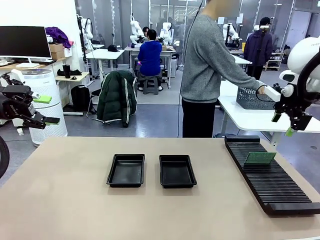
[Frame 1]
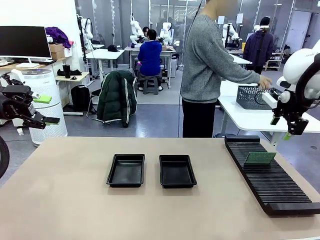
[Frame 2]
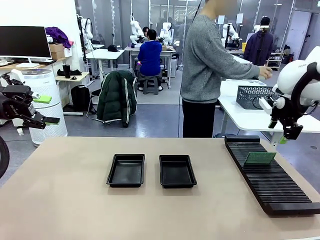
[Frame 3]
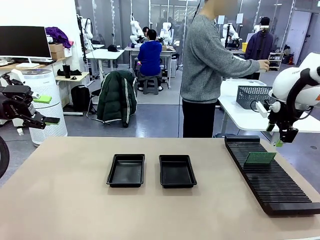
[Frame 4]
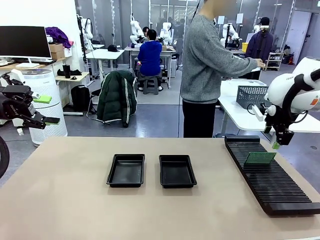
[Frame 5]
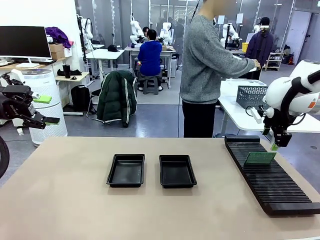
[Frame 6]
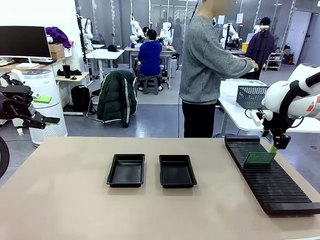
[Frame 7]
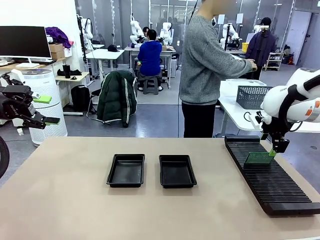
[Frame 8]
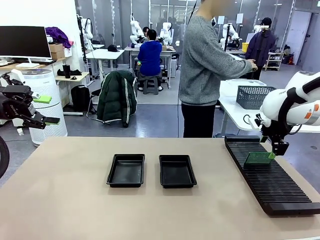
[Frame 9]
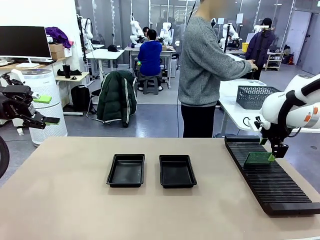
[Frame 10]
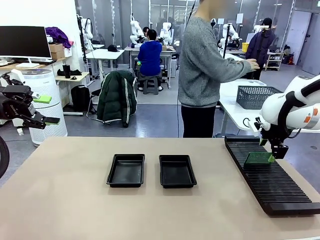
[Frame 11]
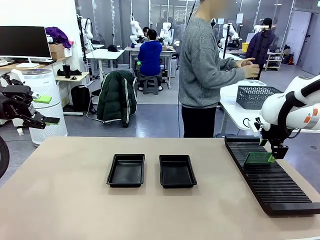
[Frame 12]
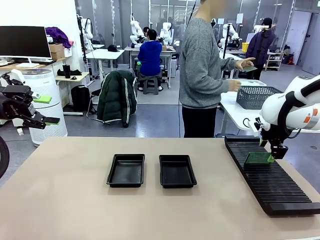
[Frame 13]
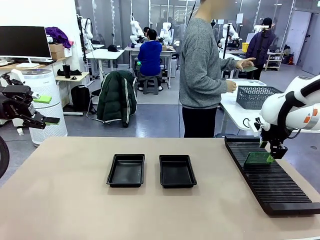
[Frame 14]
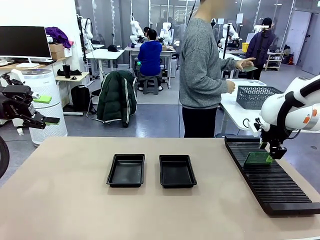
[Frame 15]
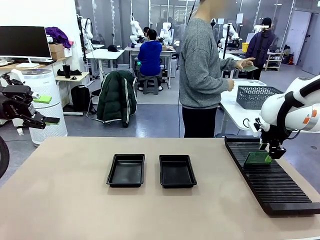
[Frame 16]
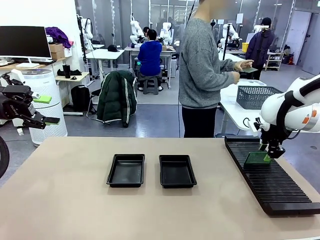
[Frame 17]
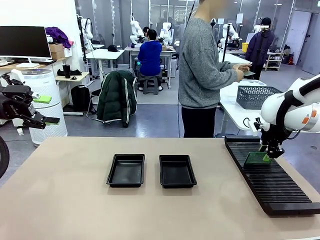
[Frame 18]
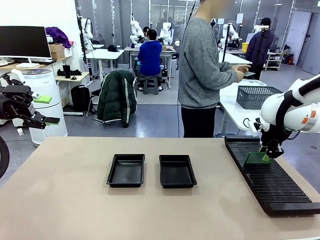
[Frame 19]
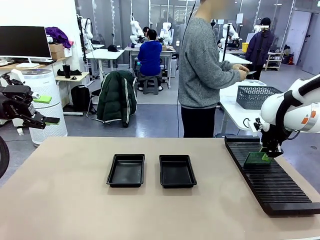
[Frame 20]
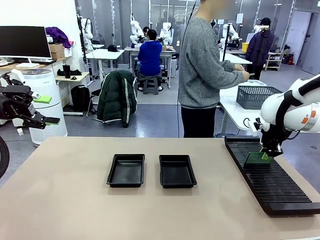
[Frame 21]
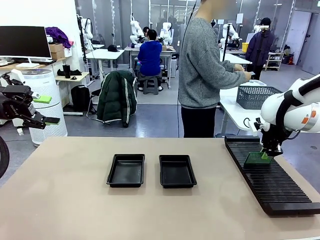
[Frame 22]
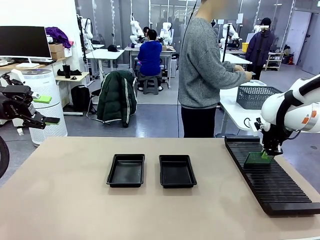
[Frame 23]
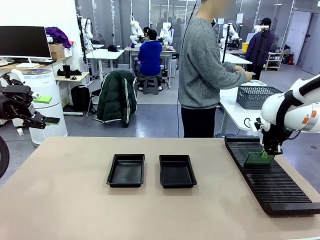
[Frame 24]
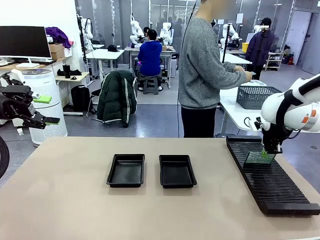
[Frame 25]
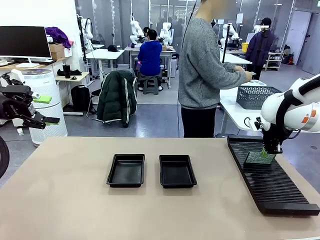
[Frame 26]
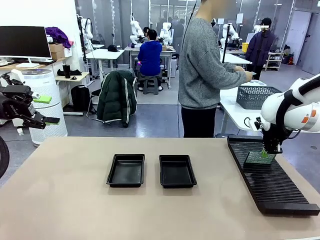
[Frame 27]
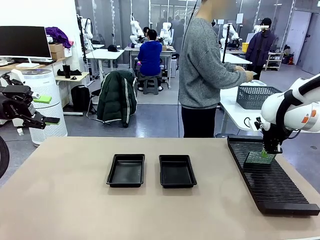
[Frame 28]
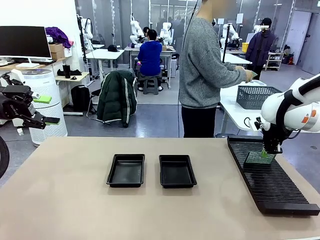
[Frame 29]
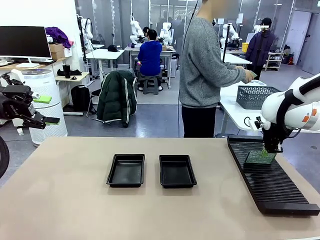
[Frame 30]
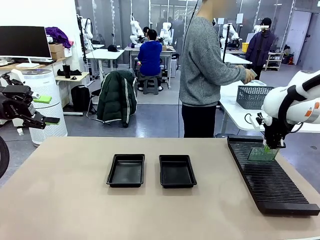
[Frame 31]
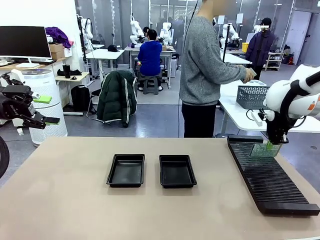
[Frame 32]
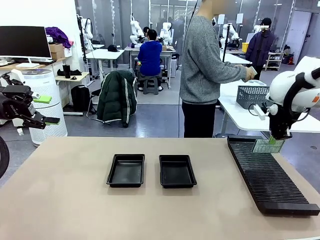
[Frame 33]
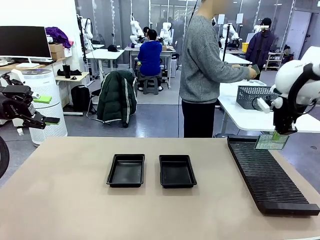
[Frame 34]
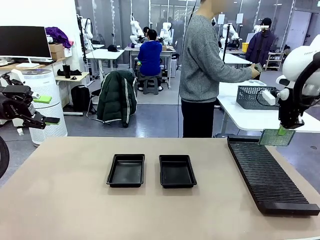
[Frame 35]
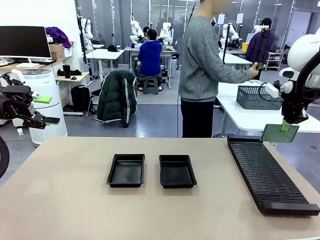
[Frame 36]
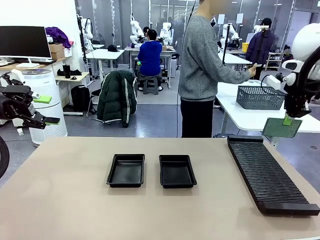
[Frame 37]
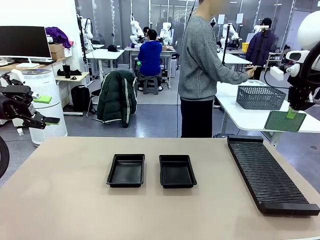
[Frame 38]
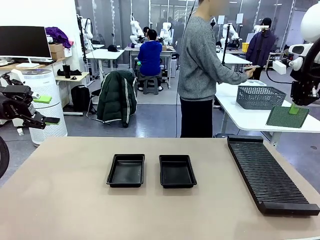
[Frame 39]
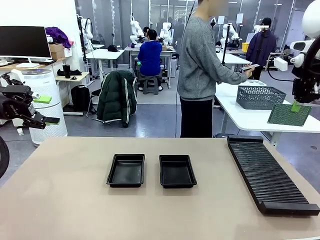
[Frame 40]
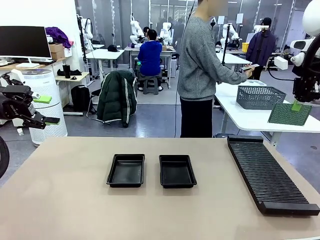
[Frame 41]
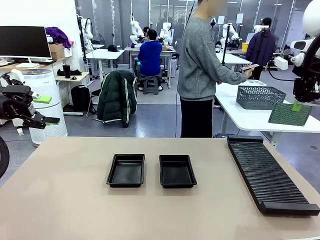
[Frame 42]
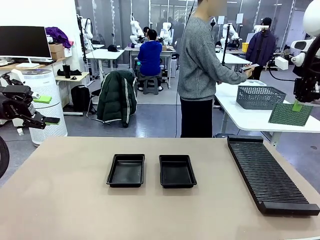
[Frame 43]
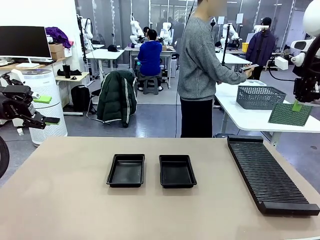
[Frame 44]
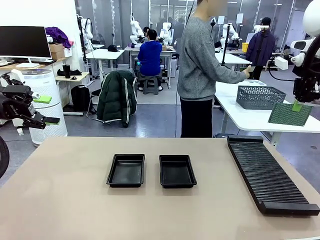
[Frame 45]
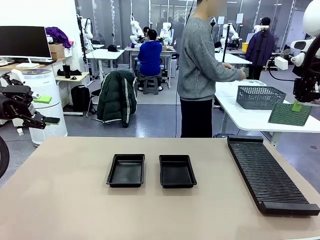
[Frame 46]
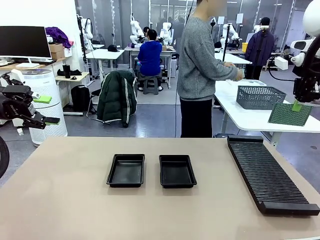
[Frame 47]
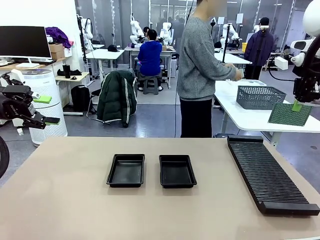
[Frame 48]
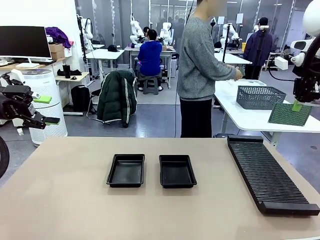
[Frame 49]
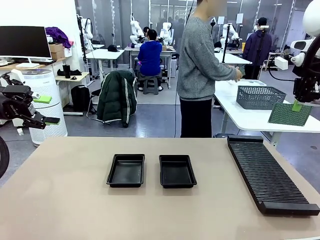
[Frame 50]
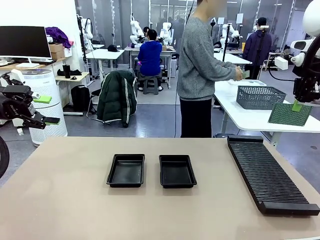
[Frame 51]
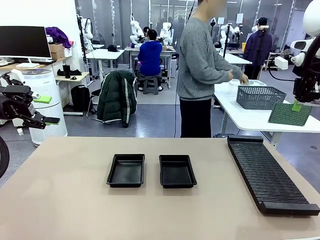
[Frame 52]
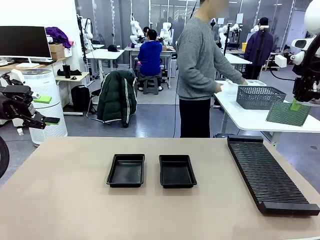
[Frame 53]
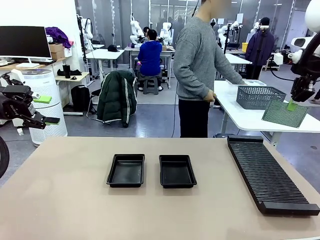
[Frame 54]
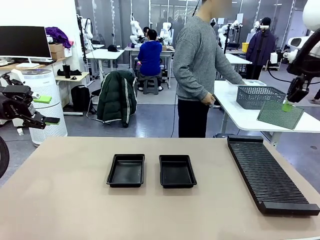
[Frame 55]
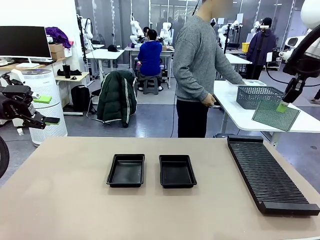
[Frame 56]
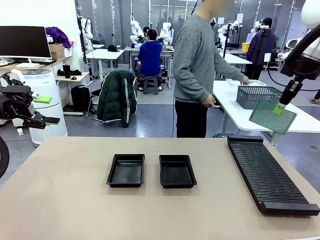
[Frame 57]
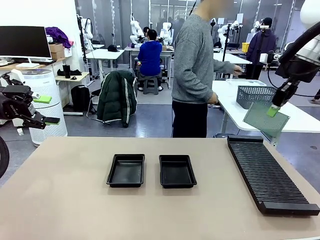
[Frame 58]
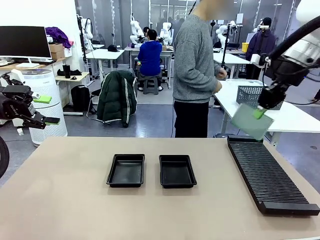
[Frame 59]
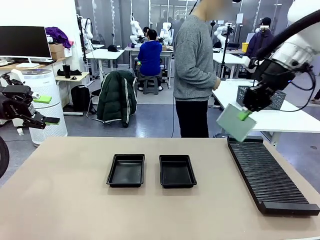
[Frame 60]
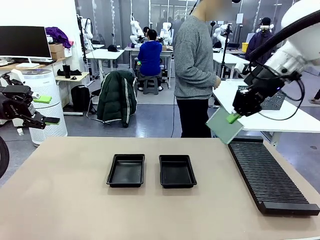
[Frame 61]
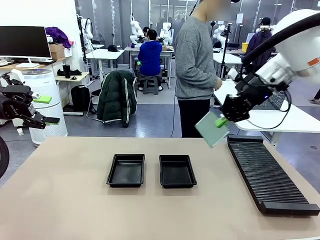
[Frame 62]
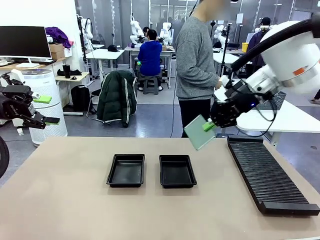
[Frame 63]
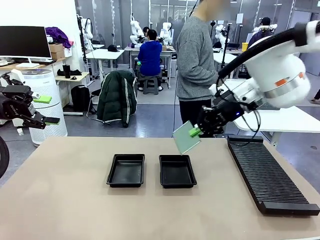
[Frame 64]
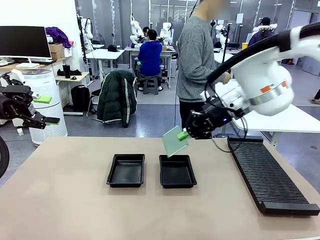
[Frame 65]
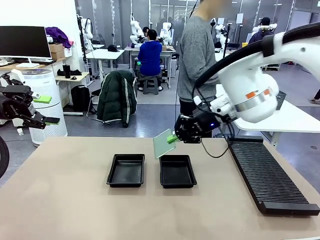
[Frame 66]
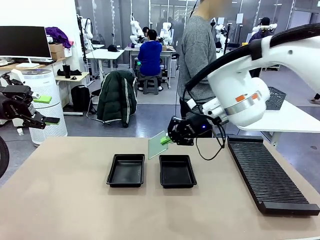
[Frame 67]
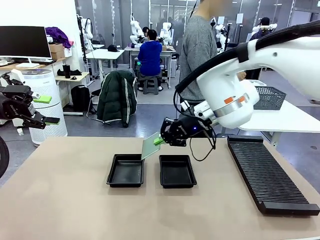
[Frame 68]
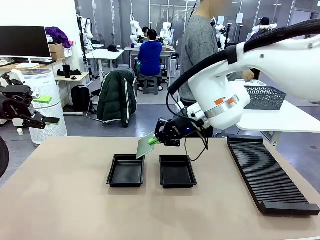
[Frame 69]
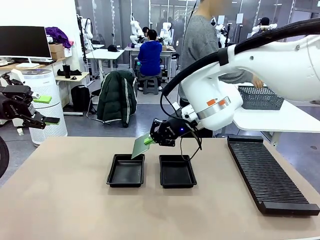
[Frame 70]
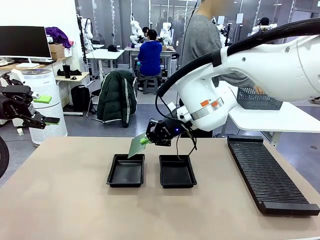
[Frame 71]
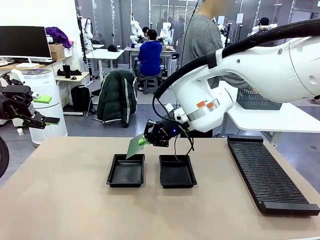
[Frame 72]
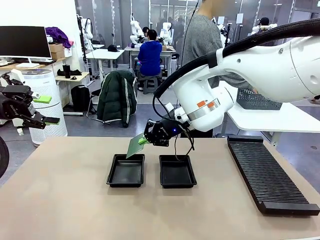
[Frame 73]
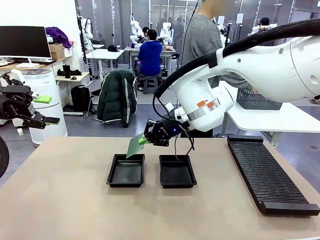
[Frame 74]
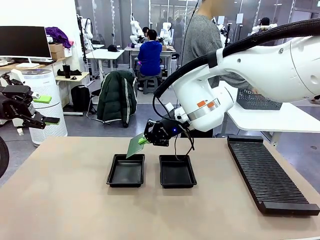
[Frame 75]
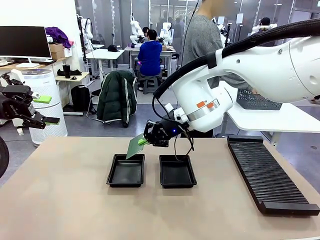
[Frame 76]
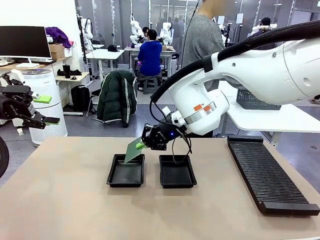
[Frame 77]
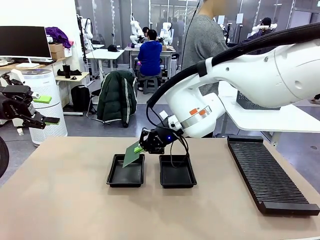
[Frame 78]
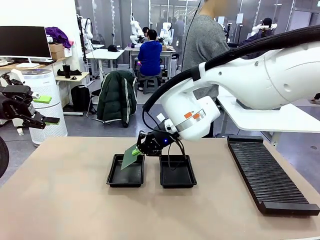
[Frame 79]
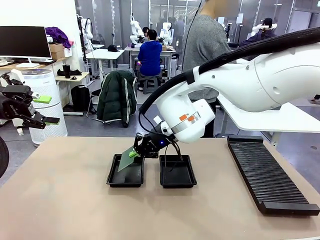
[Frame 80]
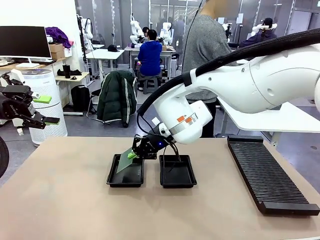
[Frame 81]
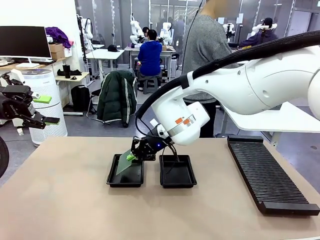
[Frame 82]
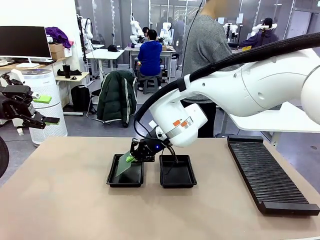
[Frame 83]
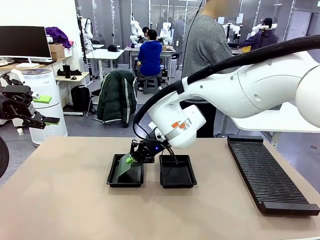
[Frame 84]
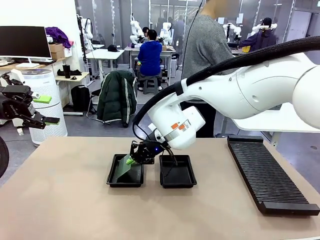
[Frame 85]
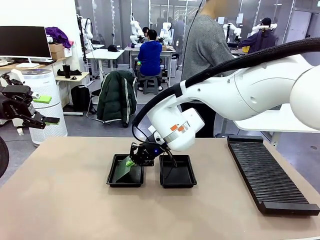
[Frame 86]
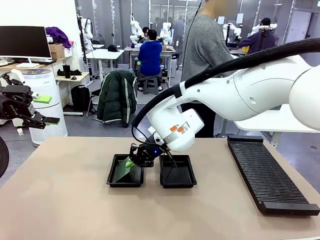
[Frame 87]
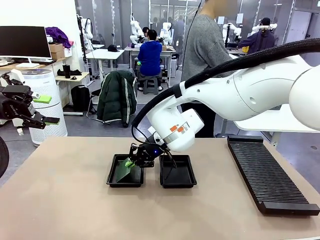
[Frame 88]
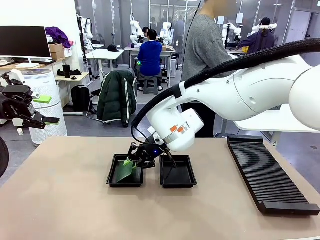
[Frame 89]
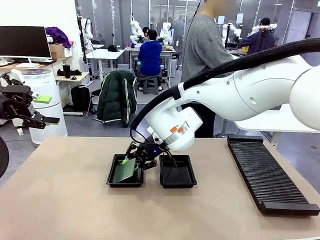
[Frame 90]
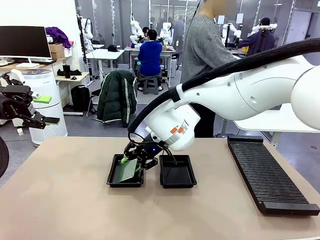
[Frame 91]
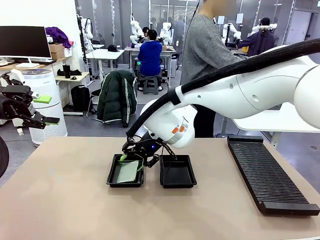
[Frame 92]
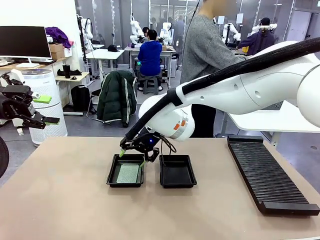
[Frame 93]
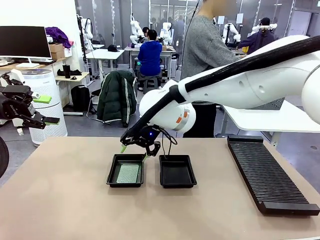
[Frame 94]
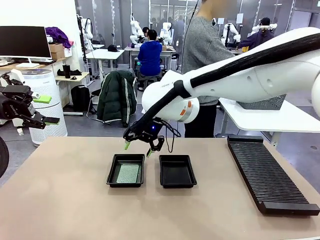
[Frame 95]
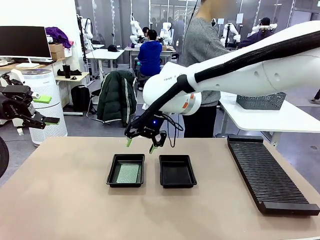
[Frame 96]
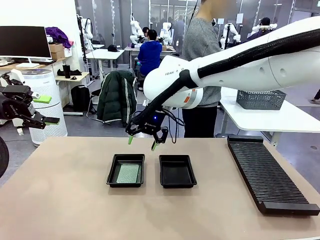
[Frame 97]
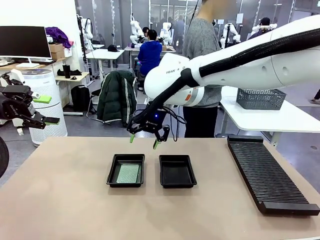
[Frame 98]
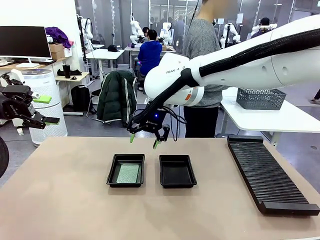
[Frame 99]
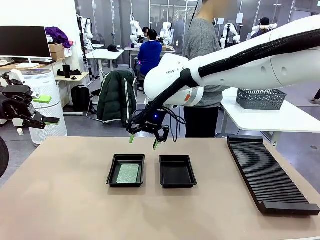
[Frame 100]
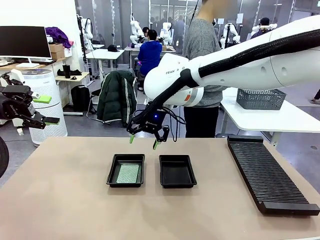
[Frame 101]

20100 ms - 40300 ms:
Task: Inspect and transfer BCBs to ESD trays.
Robot: Pick up the Blank PCB from the PCB Rack and place it in the left ESD tray.
